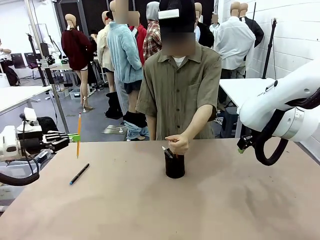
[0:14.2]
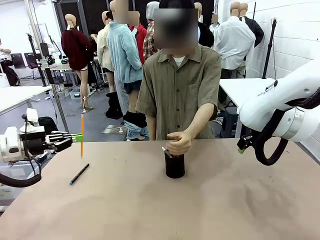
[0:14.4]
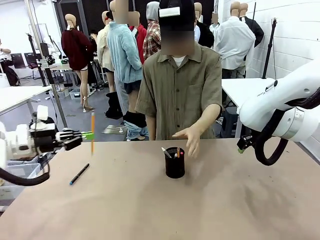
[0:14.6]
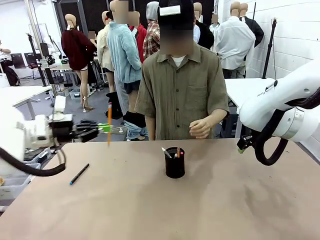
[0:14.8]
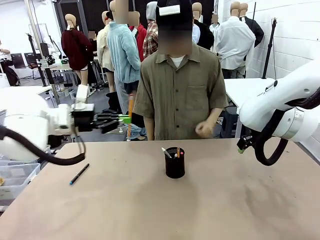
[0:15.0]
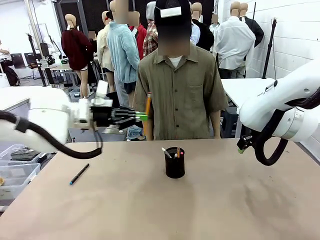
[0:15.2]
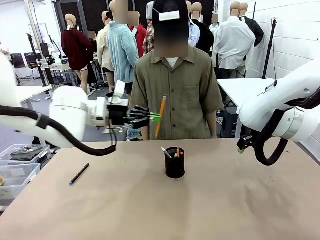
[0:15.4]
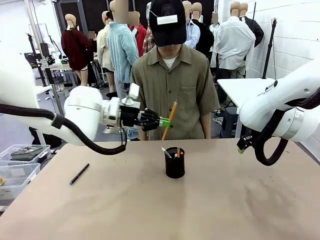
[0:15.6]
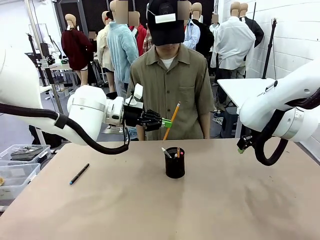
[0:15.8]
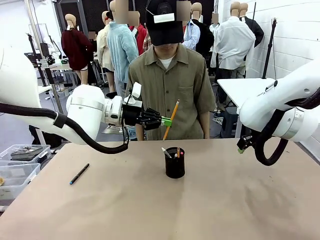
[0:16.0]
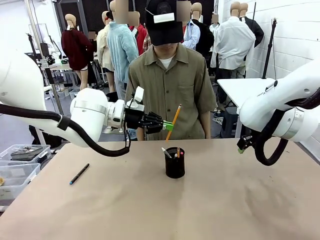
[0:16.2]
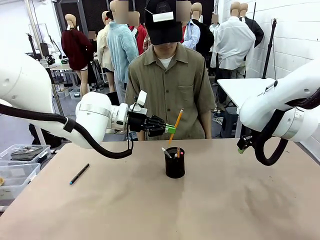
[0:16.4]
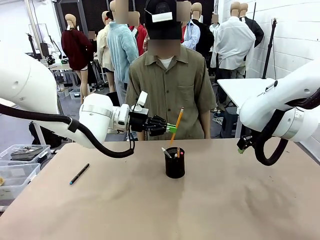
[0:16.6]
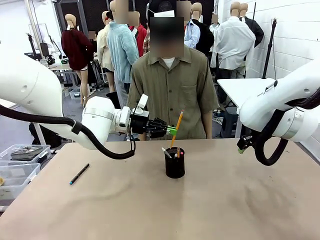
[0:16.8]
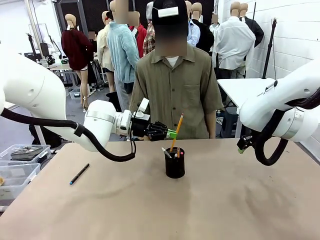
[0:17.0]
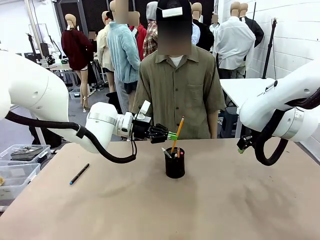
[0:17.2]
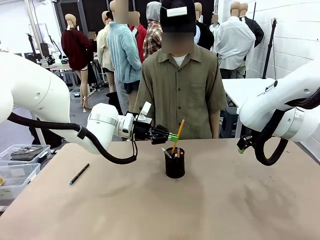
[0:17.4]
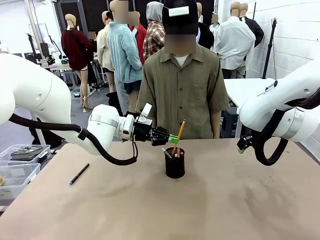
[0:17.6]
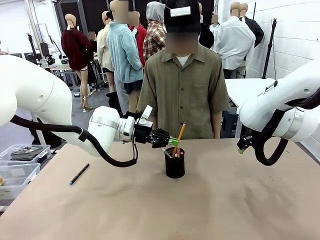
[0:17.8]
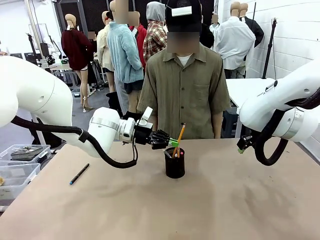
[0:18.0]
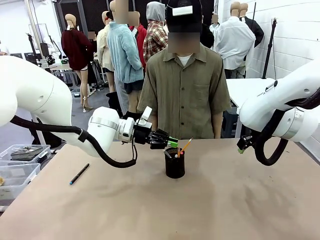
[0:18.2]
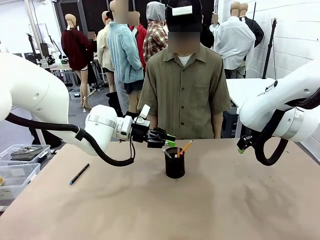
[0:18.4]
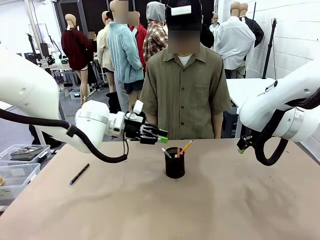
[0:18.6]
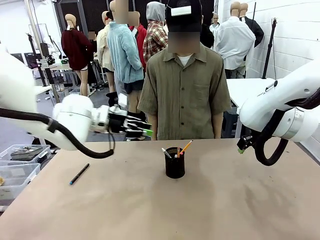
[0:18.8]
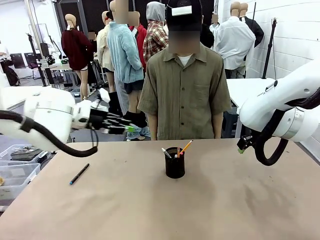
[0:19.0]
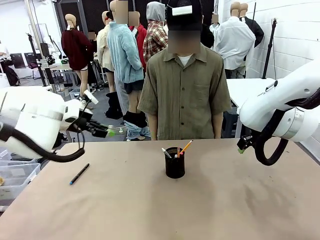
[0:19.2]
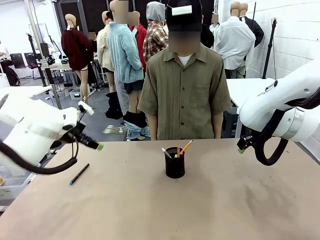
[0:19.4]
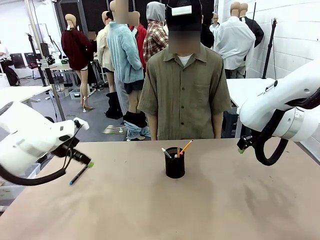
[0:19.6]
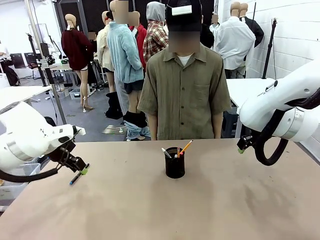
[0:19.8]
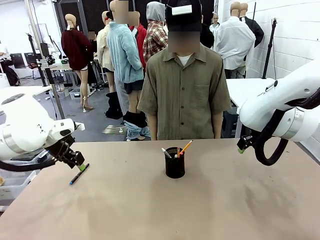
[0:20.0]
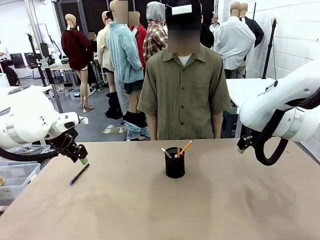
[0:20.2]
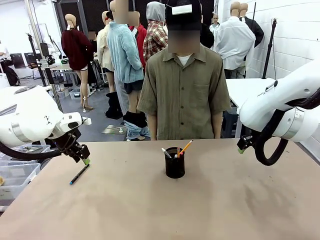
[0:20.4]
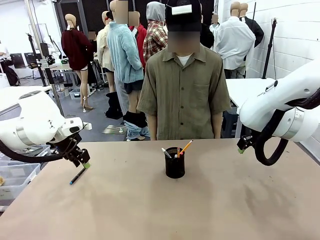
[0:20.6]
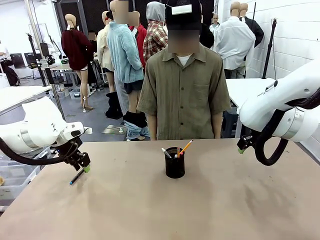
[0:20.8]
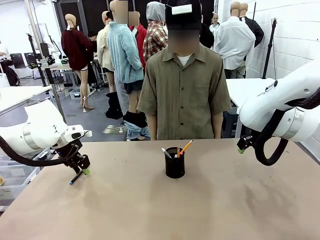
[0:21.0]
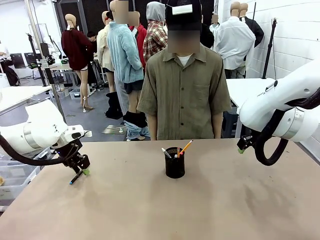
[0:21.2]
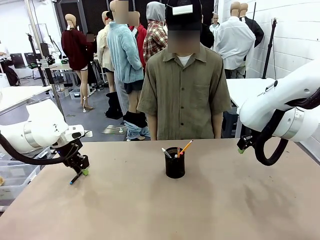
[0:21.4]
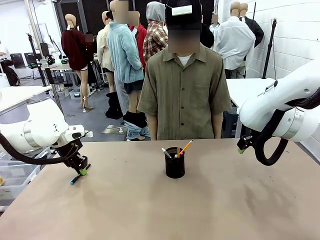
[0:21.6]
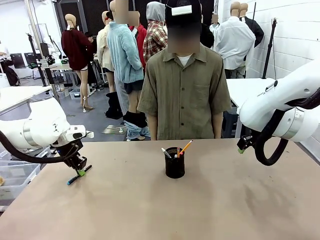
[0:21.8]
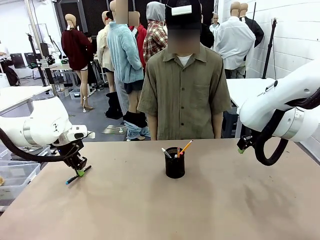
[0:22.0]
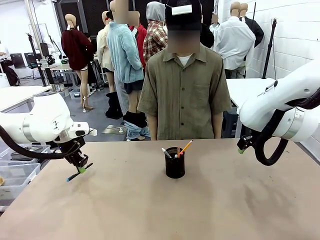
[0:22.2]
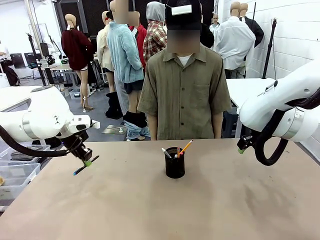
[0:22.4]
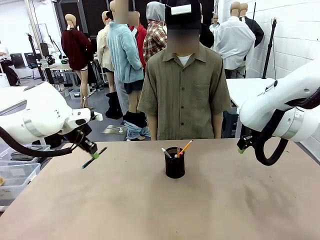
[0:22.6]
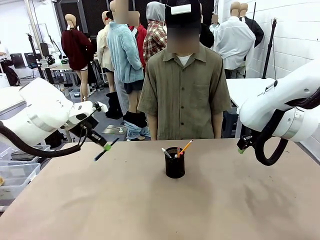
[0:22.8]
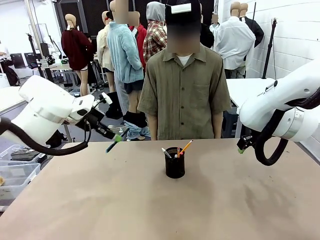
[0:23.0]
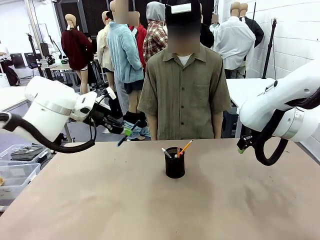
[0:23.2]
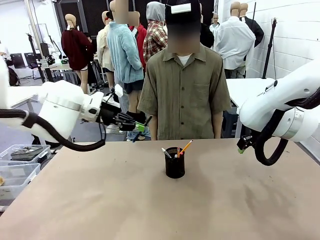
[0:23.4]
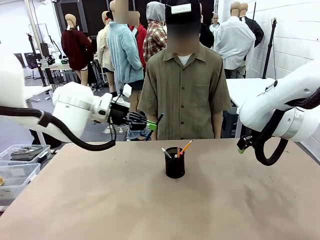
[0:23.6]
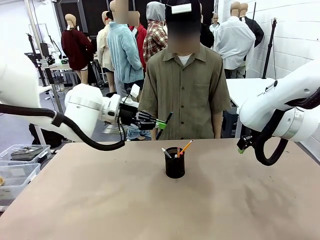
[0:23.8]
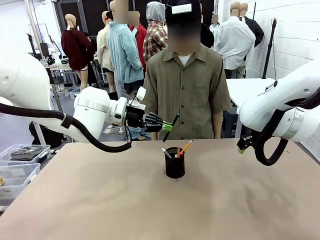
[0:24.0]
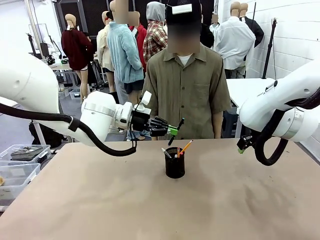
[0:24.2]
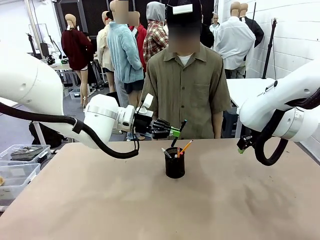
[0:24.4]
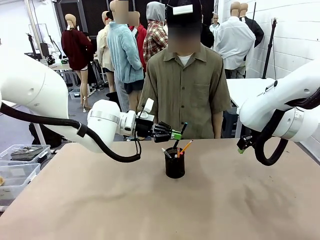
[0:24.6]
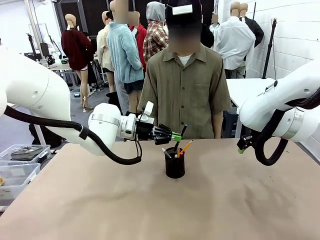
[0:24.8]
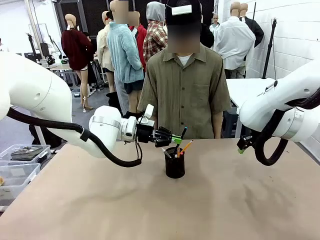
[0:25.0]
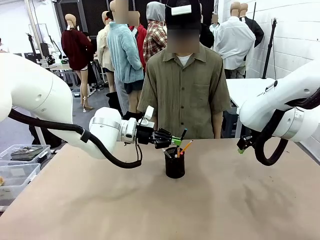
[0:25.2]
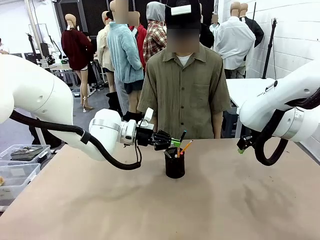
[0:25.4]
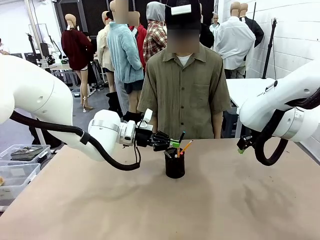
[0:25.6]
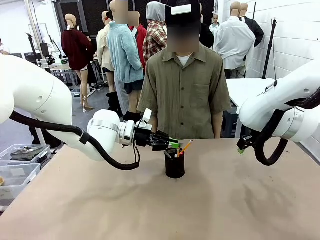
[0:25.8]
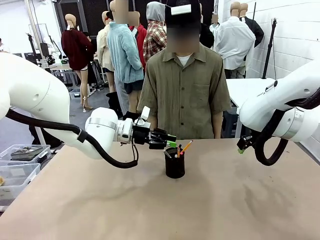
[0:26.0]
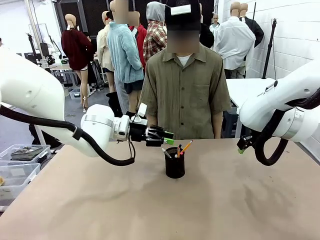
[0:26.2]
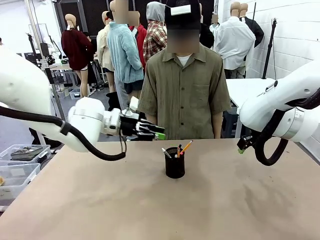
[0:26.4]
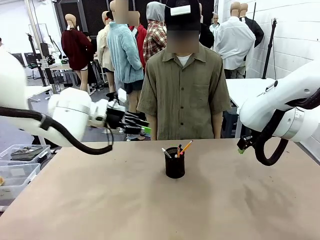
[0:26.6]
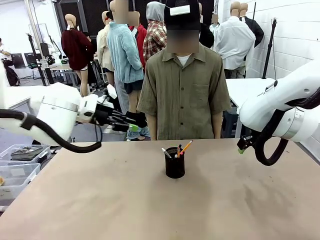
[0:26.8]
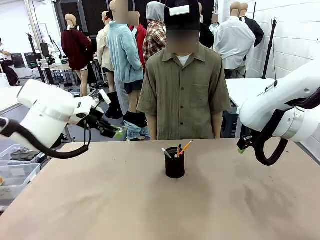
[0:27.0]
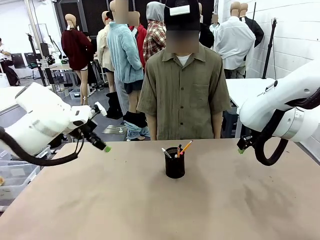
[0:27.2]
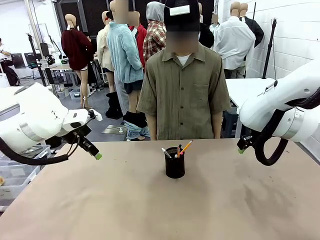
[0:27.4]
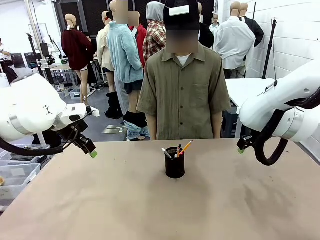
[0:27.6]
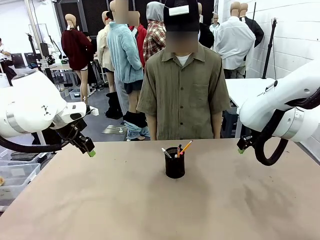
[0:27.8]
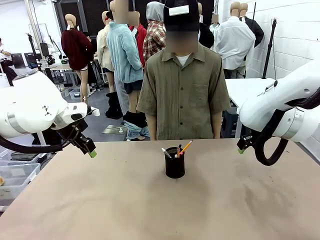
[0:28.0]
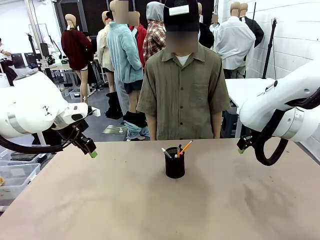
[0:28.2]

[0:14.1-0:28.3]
Task: Place the pens into the pen holder.
Robot: Pick up a writing instrument from the table and place it into the Pen holder.
Person: Place all writing instrument into the Pen holder.

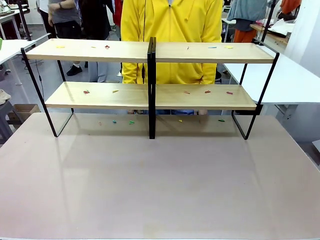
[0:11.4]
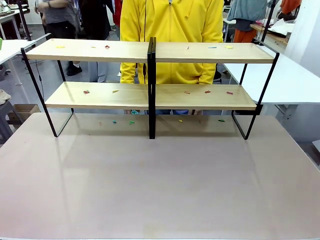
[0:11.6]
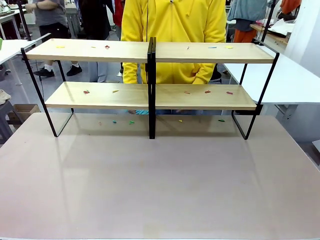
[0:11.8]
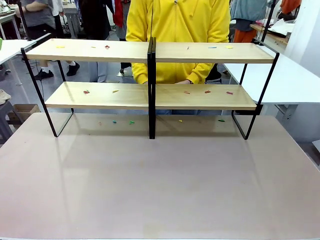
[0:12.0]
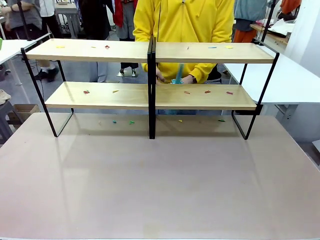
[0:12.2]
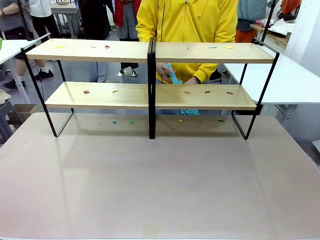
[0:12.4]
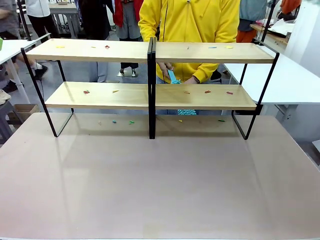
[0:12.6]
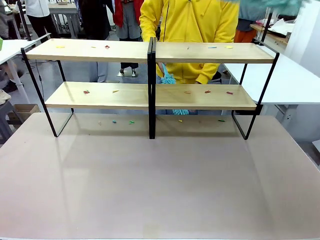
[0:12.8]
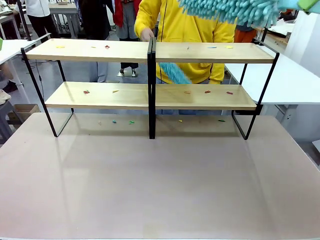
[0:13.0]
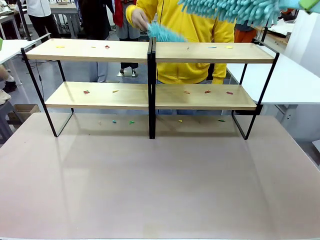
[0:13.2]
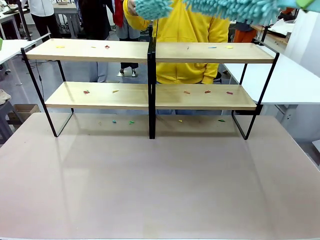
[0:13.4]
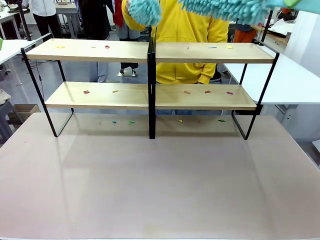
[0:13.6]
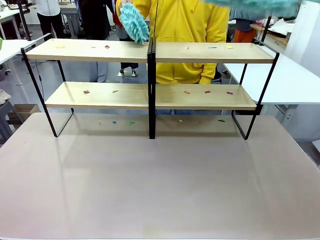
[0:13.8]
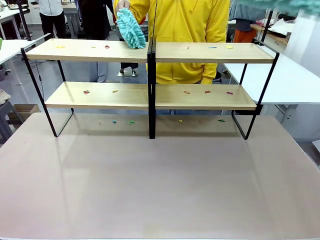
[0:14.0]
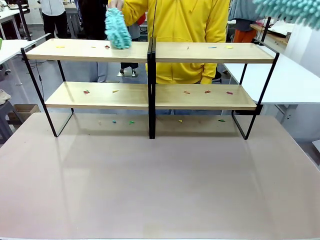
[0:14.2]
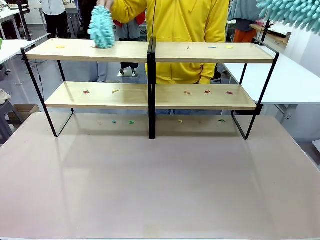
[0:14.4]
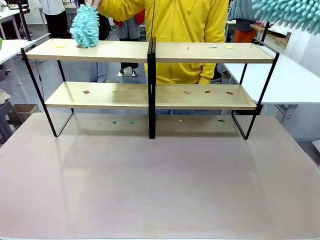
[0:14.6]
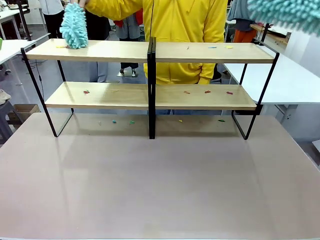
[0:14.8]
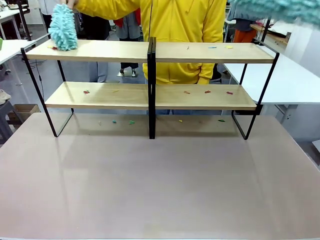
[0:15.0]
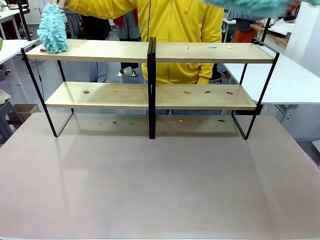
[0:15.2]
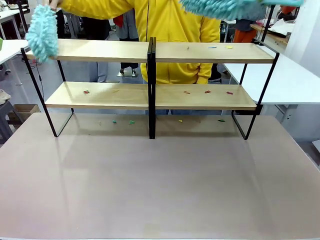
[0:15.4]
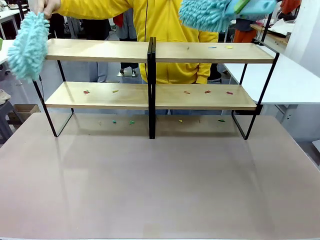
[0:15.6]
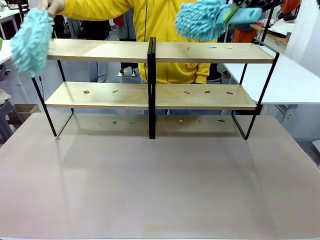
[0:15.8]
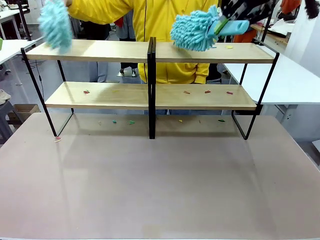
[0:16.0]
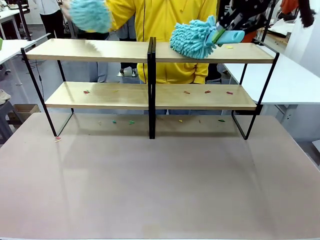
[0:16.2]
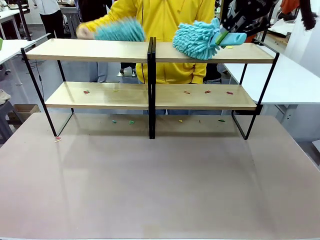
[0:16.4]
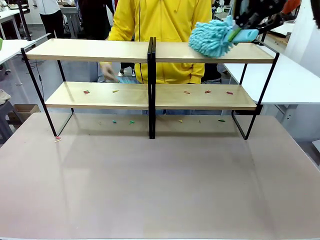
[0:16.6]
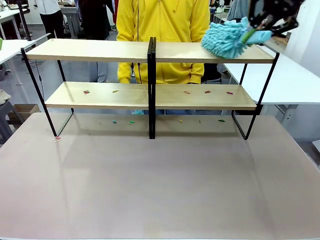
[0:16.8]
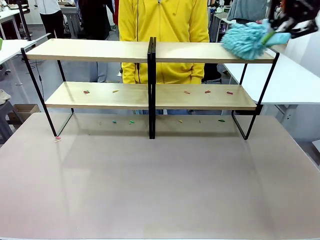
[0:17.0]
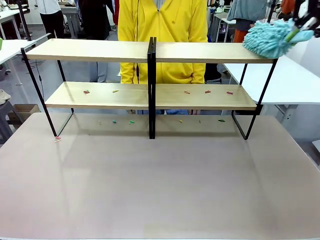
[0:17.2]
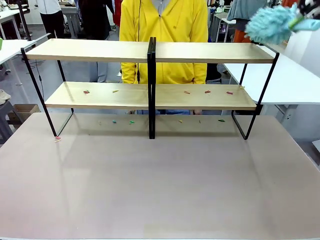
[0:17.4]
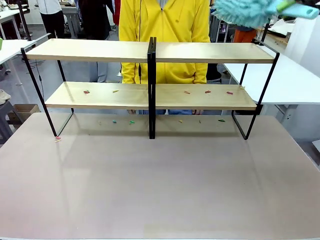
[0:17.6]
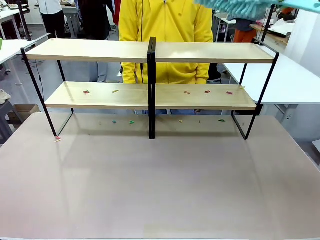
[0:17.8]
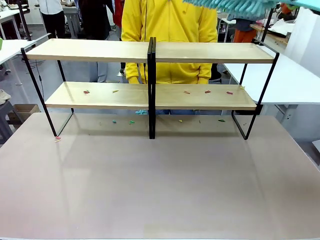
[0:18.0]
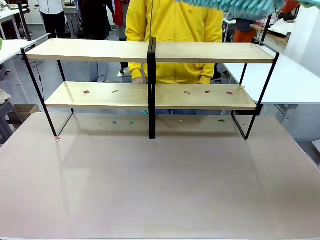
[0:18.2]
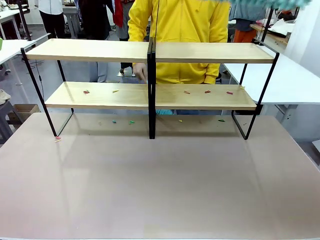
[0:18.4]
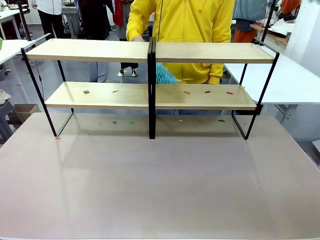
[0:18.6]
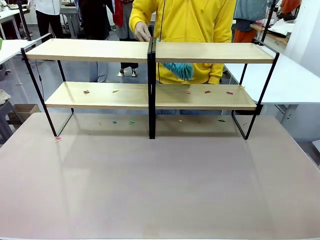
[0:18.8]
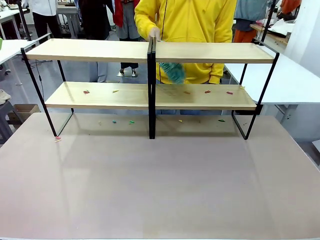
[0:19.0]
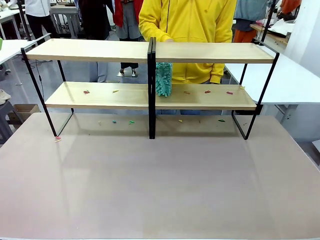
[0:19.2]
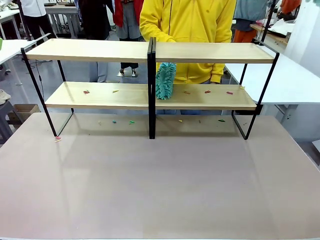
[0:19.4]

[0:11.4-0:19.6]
Task: Clean the shelves.
Robot: Clean a randomly selected level of the Shelf with the Duster.
